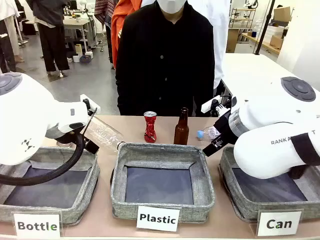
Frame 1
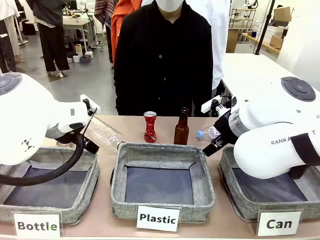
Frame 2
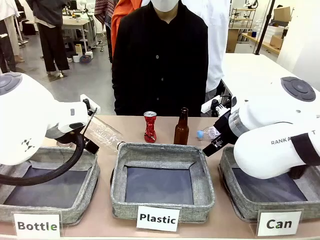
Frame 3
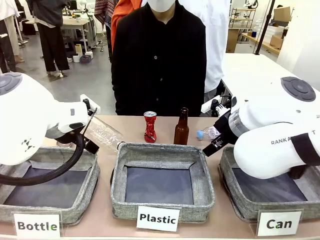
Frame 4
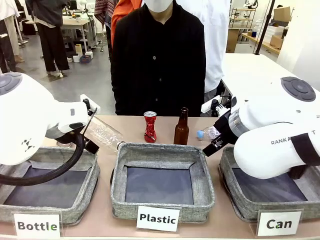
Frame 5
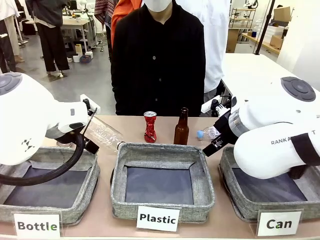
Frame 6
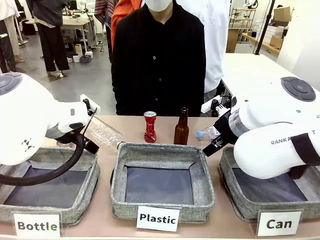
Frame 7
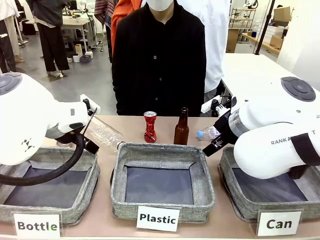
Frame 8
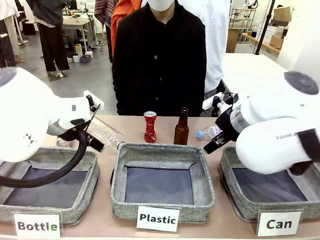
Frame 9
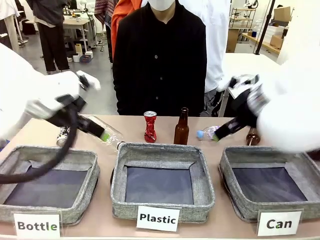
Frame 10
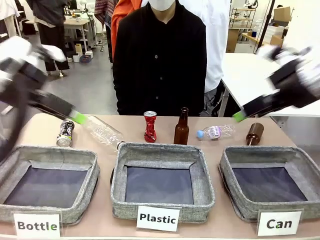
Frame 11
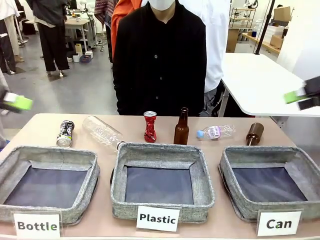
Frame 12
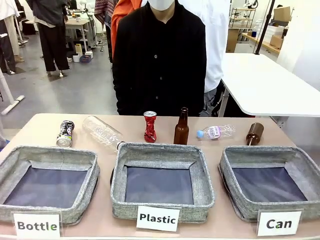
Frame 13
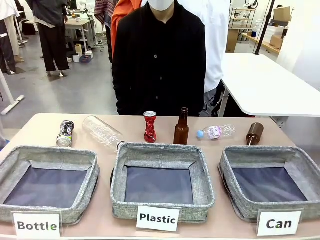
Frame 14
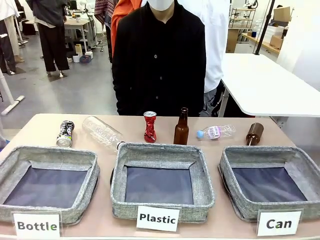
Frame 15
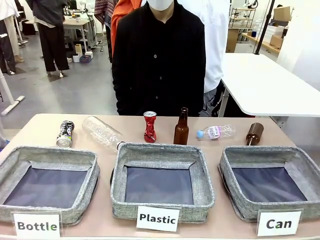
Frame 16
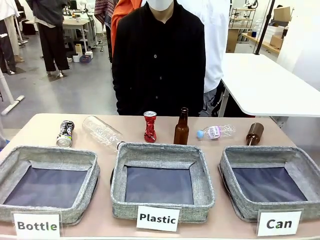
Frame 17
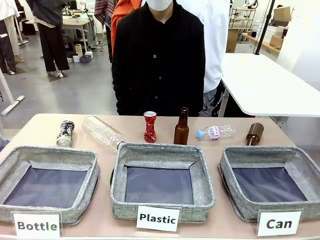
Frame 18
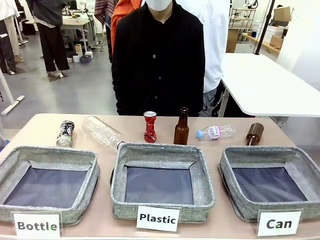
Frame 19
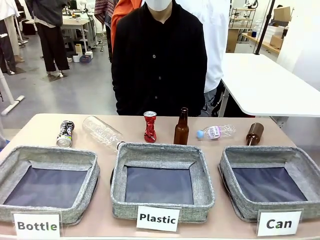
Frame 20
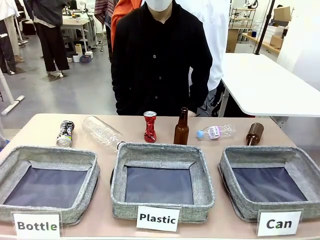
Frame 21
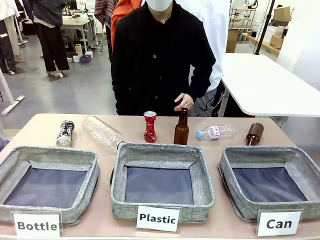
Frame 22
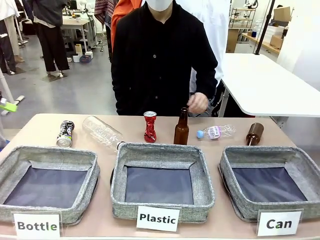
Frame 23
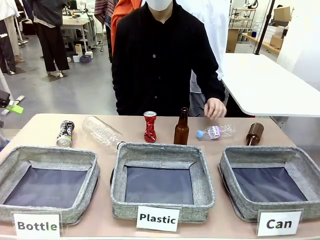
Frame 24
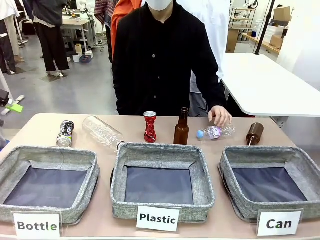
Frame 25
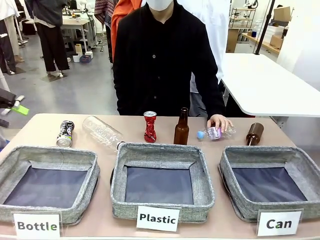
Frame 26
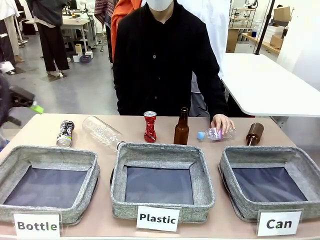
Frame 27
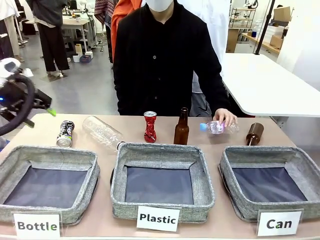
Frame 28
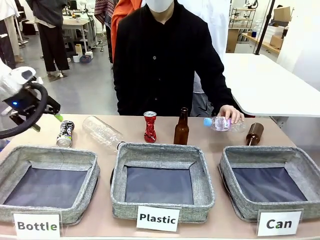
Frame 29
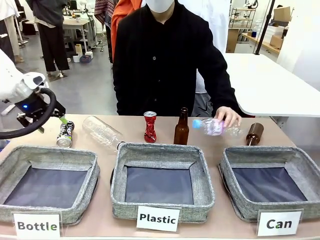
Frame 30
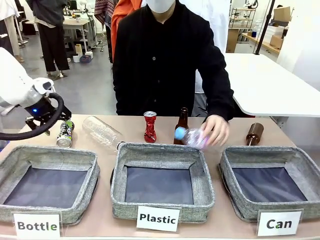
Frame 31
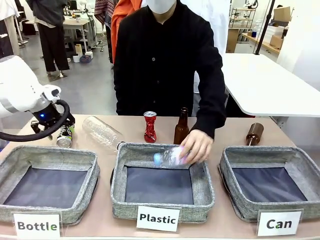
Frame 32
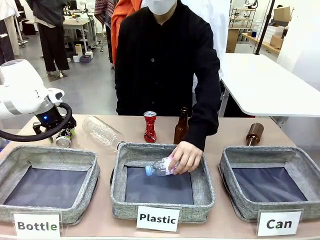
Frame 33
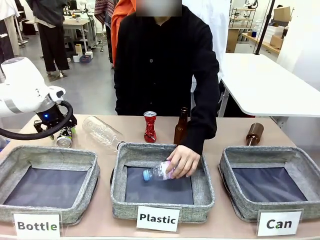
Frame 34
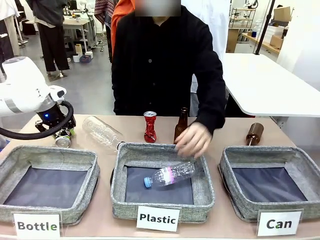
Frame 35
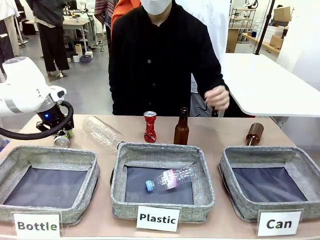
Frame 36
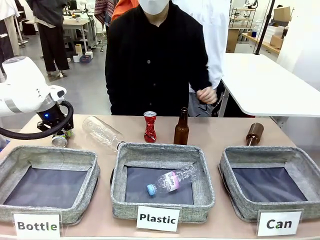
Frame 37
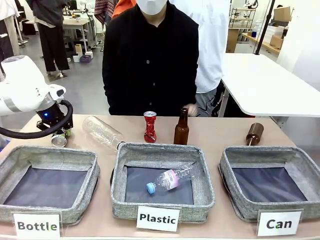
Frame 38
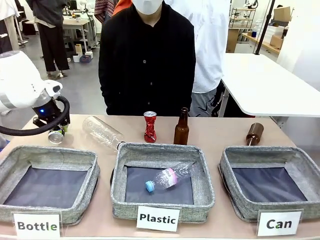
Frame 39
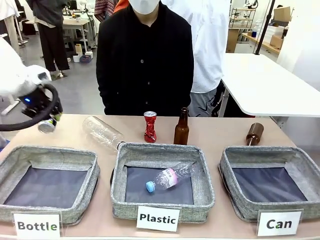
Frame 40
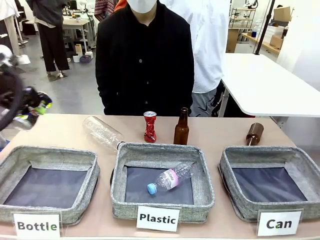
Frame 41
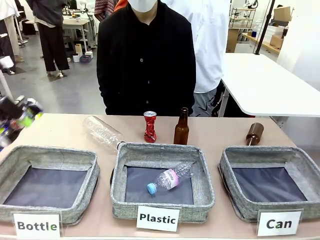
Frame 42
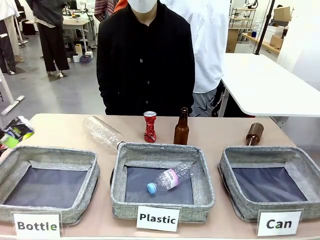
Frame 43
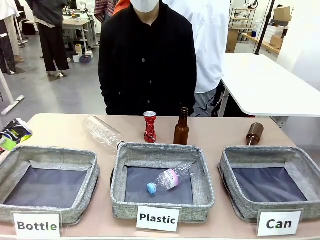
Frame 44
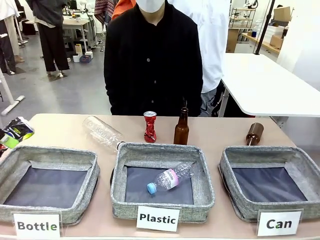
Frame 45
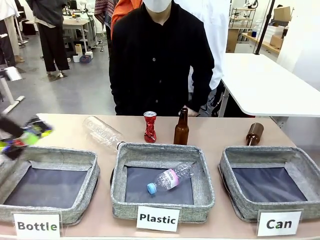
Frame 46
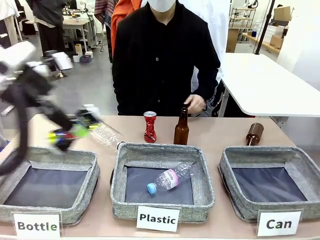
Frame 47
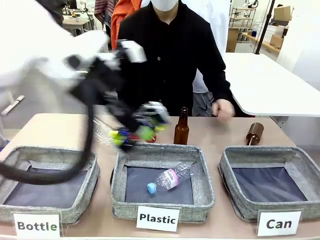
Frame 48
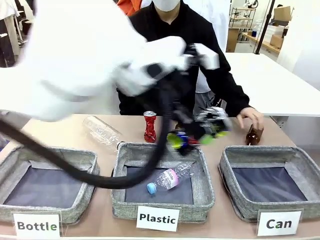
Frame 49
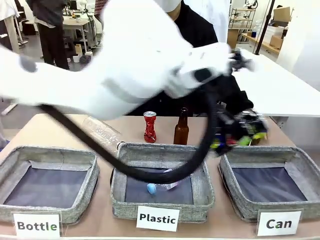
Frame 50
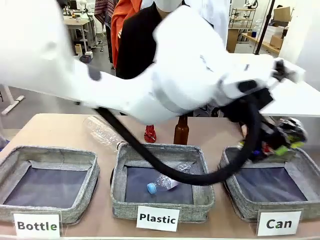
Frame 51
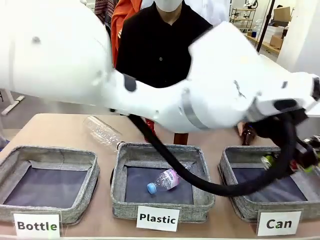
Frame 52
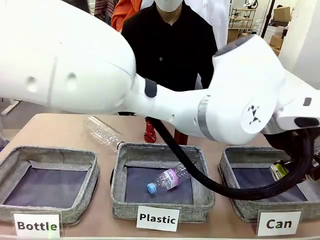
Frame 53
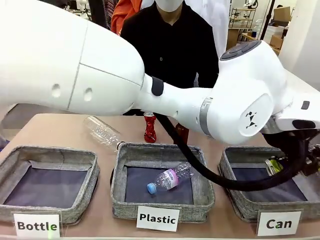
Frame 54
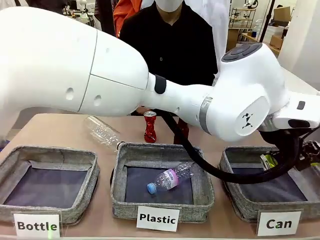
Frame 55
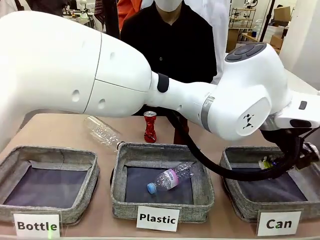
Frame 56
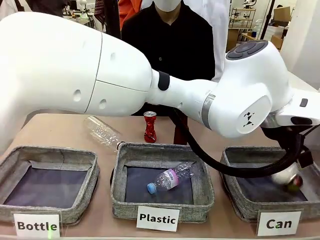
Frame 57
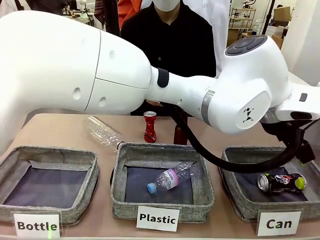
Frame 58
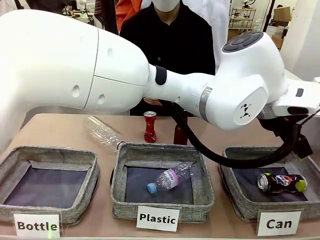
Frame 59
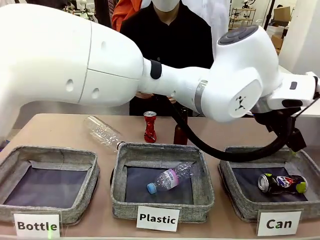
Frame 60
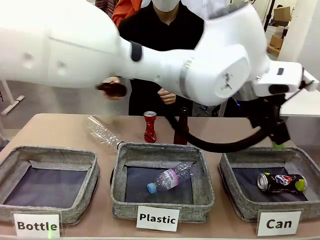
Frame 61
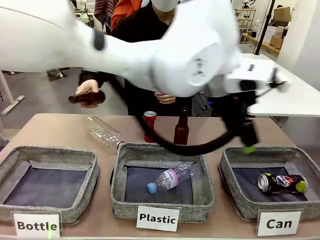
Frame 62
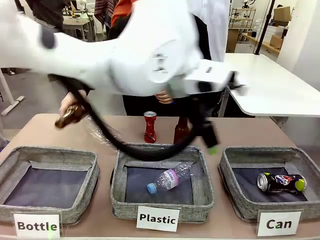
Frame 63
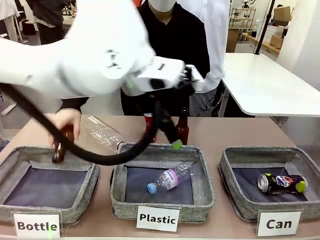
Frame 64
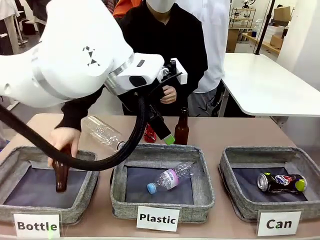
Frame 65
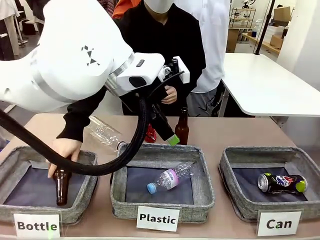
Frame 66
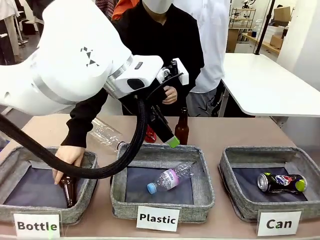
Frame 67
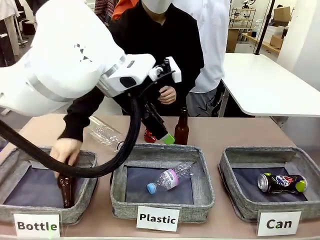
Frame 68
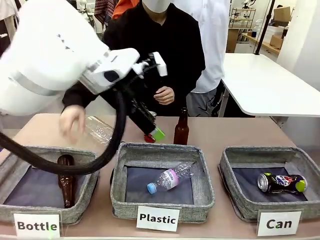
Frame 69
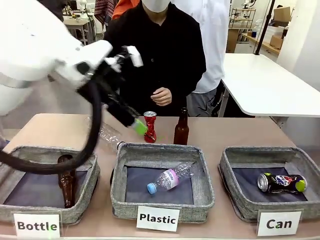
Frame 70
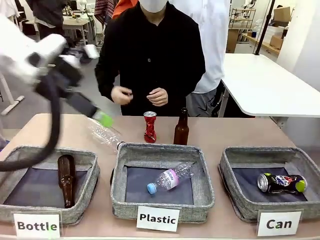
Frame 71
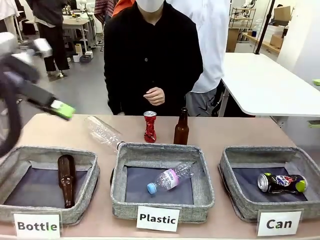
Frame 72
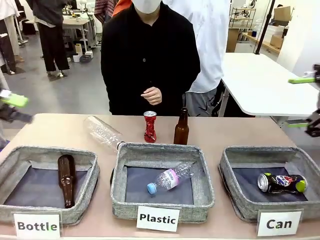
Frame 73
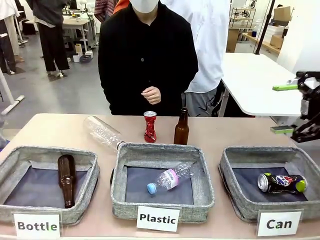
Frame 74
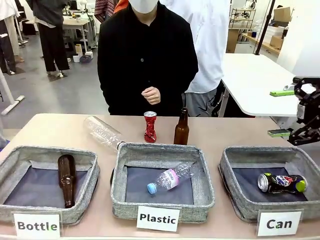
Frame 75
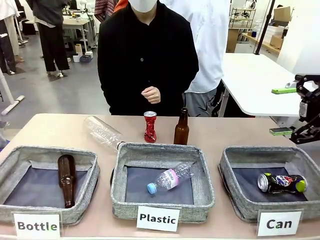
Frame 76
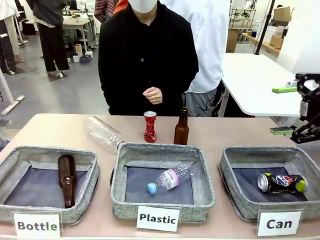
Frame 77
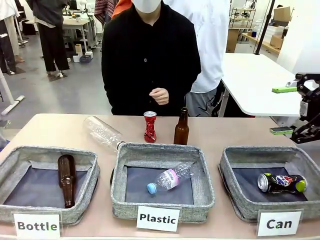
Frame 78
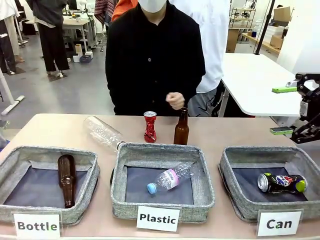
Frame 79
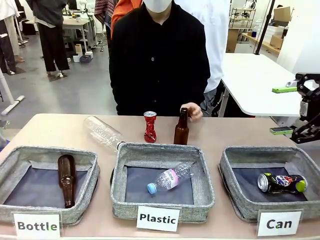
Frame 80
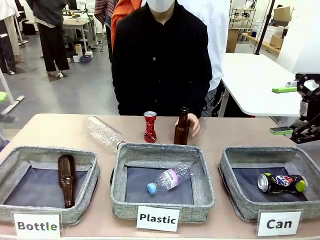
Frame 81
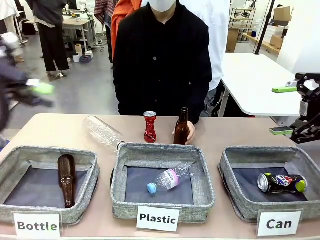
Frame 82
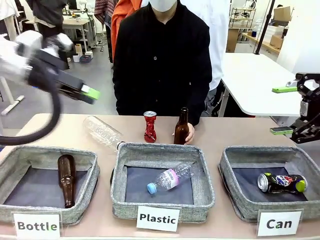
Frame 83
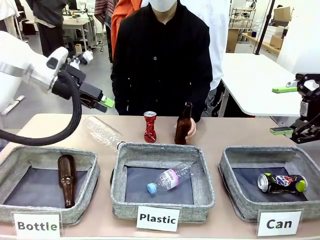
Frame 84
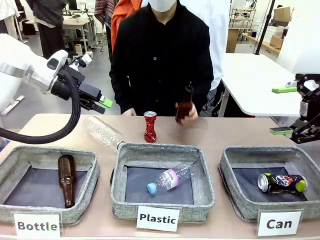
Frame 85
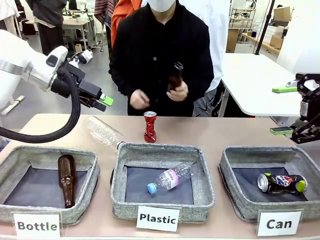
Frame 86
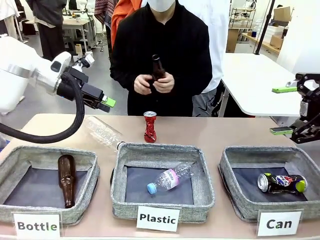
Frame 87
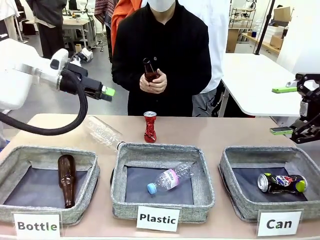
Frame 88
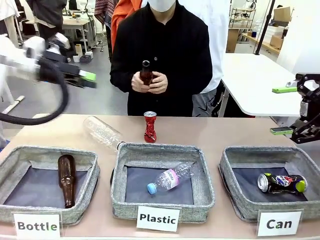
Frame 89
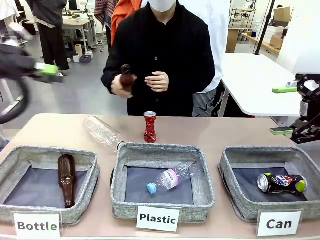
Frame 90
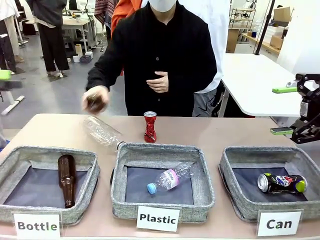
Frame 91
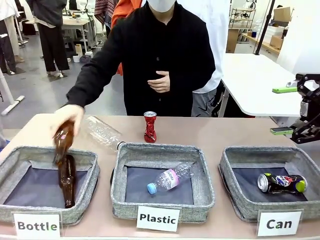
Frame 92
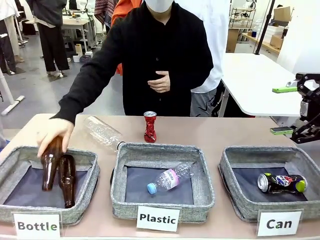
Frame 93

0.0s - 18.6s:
Task: Sort the can waste into the basket.
Robot: Pick up the can waste from the table and place it in the right Fabric basket.
